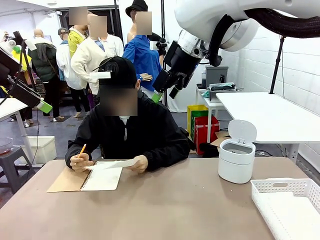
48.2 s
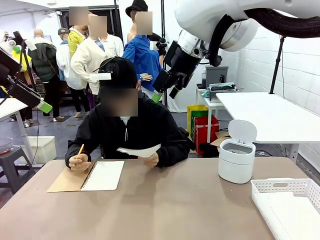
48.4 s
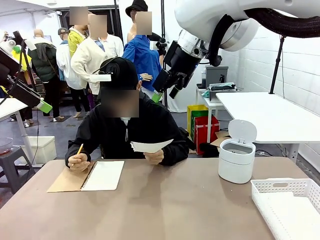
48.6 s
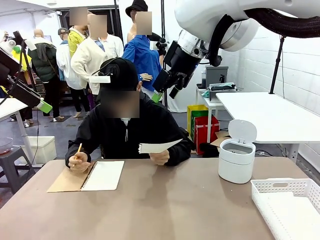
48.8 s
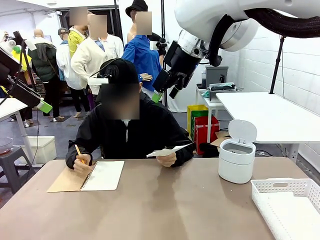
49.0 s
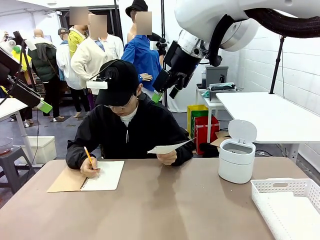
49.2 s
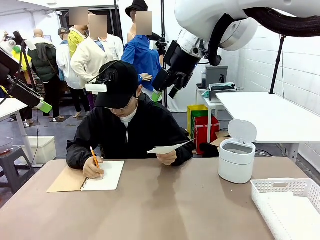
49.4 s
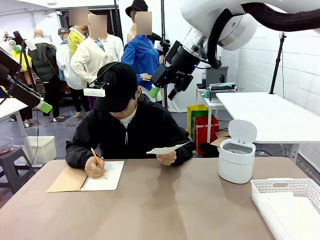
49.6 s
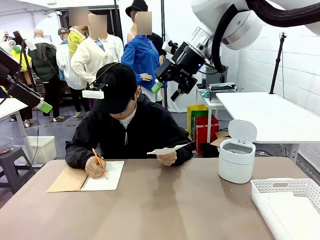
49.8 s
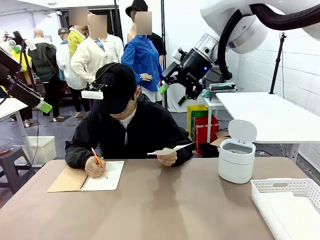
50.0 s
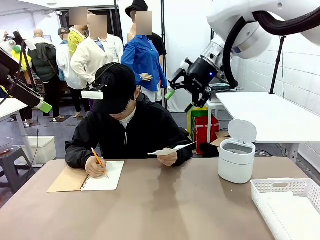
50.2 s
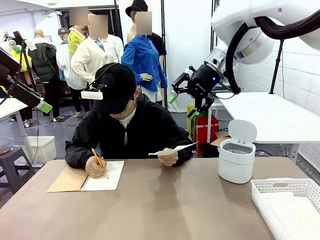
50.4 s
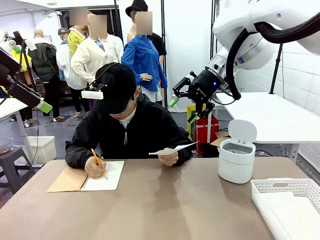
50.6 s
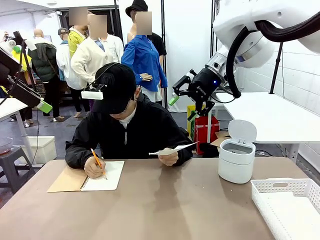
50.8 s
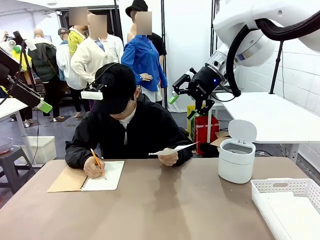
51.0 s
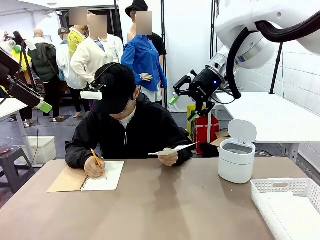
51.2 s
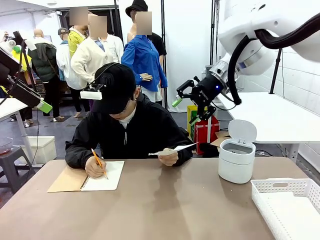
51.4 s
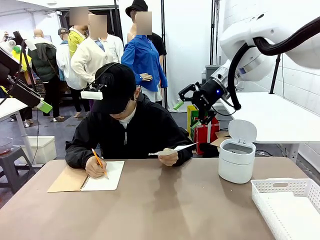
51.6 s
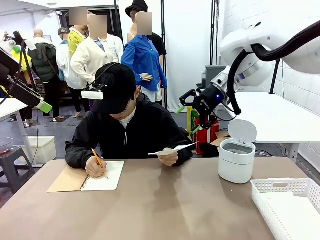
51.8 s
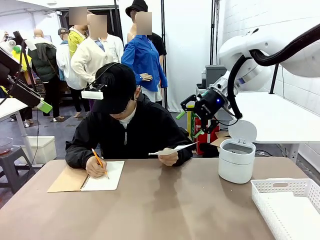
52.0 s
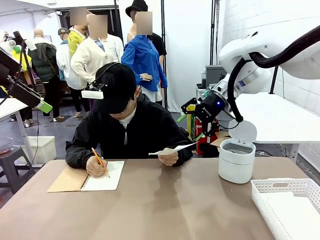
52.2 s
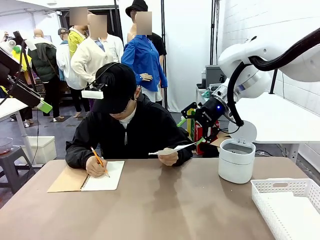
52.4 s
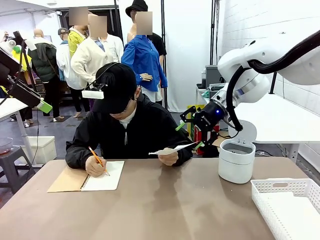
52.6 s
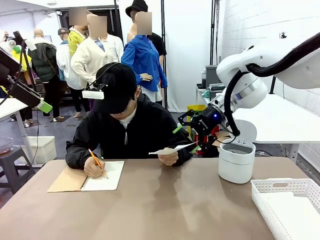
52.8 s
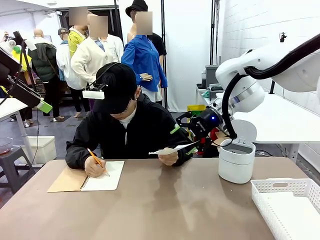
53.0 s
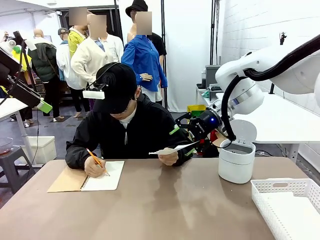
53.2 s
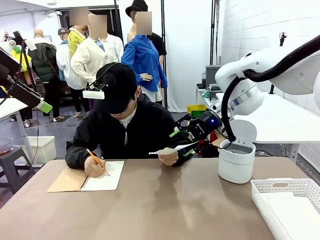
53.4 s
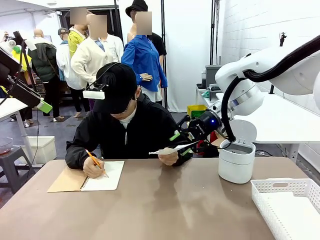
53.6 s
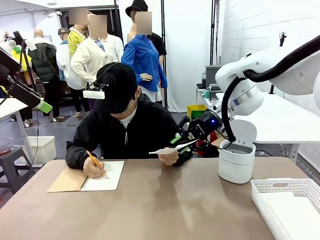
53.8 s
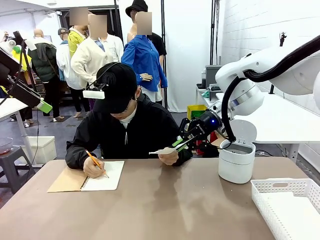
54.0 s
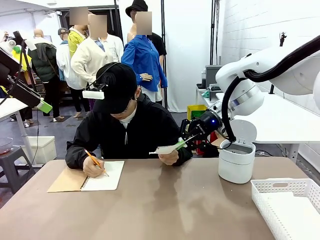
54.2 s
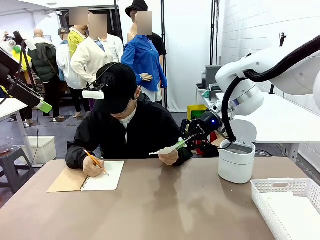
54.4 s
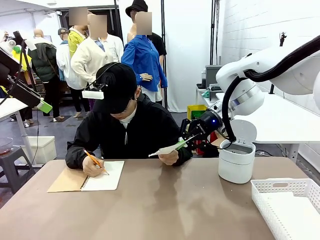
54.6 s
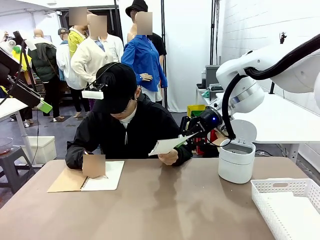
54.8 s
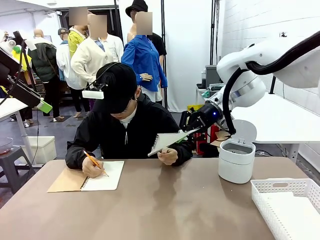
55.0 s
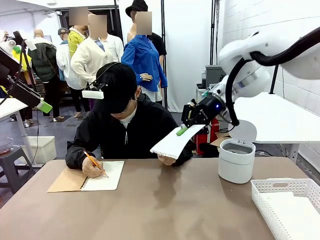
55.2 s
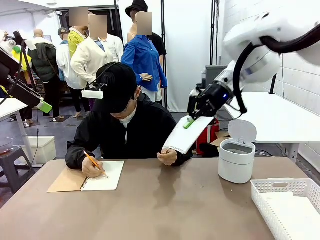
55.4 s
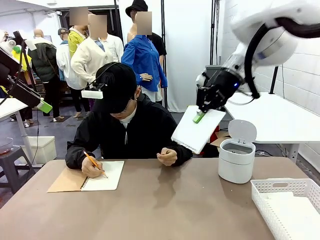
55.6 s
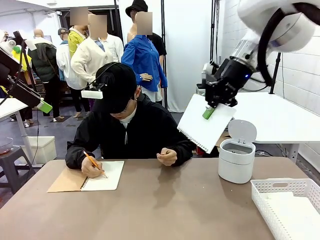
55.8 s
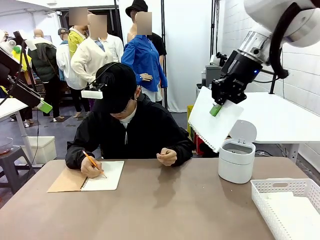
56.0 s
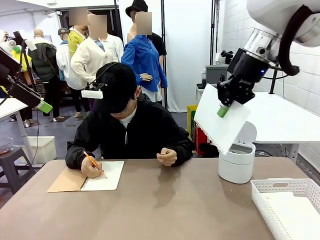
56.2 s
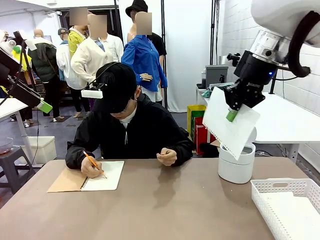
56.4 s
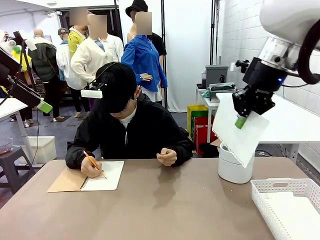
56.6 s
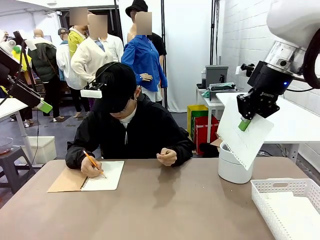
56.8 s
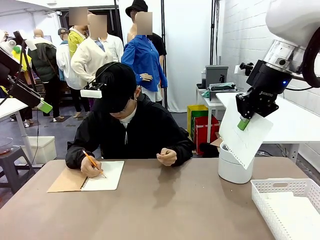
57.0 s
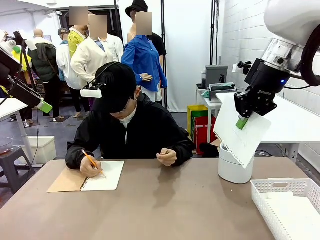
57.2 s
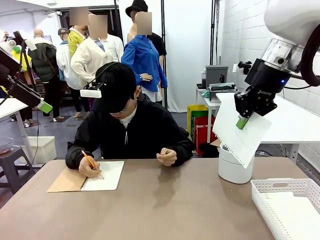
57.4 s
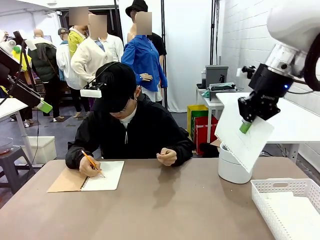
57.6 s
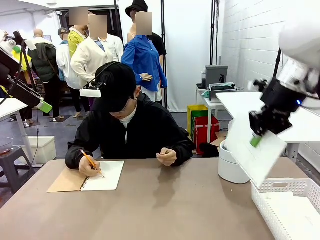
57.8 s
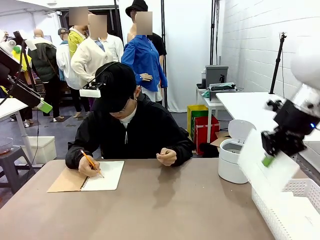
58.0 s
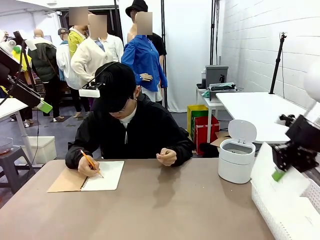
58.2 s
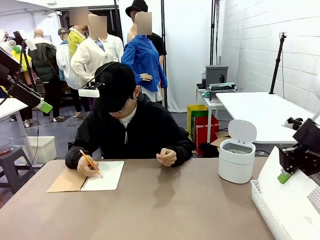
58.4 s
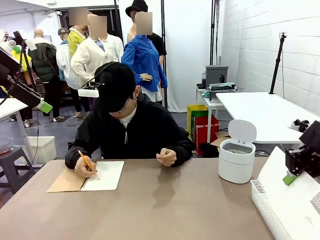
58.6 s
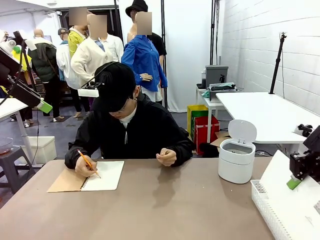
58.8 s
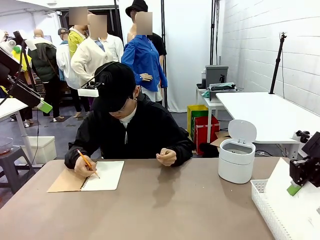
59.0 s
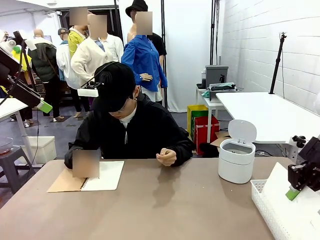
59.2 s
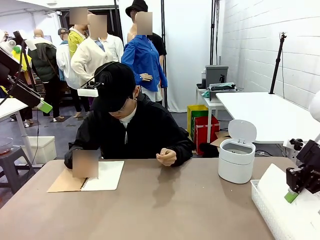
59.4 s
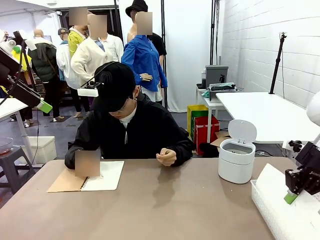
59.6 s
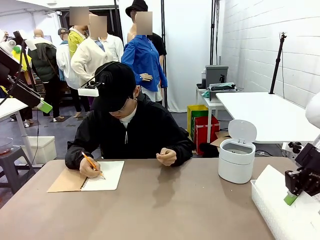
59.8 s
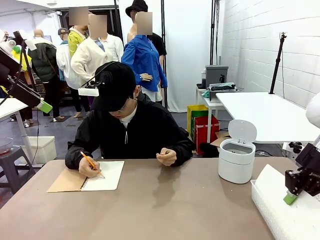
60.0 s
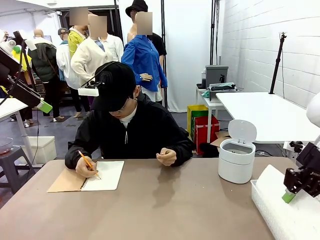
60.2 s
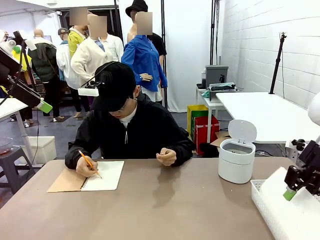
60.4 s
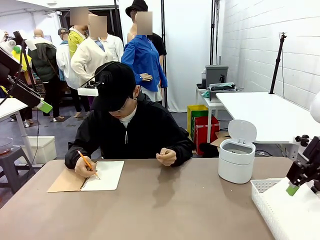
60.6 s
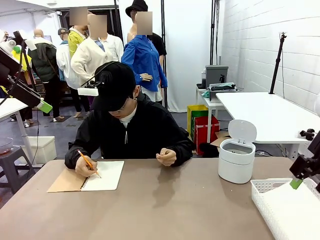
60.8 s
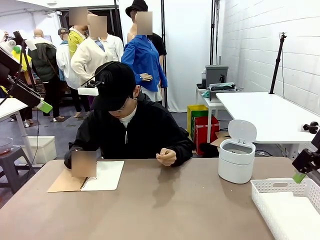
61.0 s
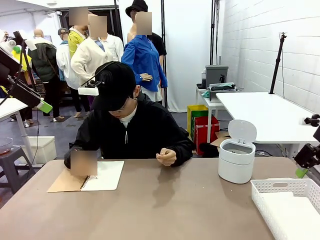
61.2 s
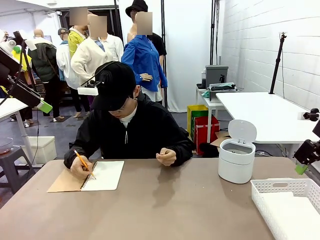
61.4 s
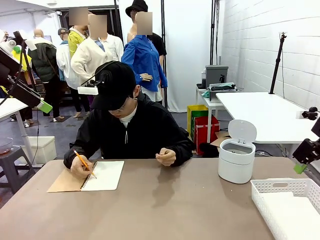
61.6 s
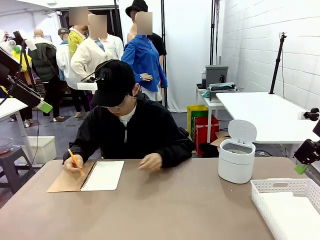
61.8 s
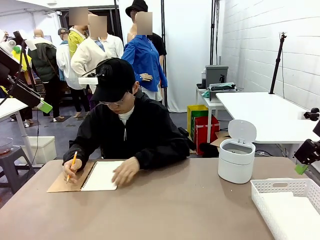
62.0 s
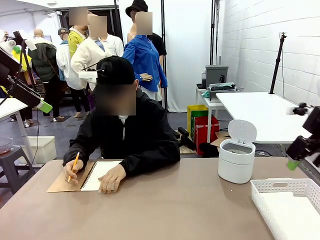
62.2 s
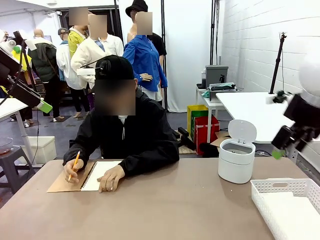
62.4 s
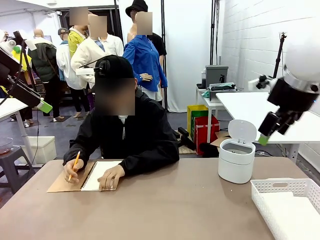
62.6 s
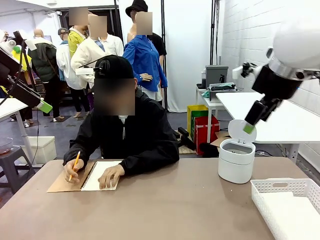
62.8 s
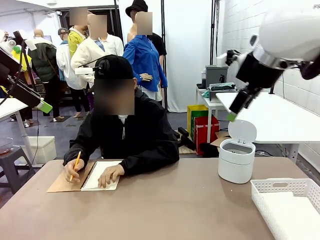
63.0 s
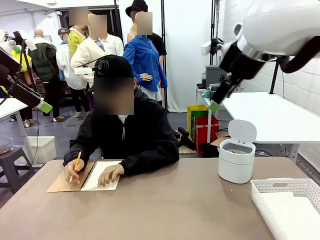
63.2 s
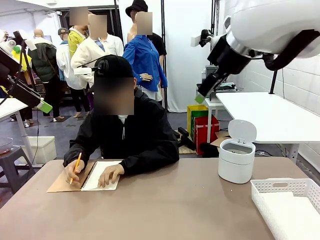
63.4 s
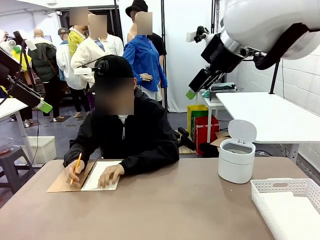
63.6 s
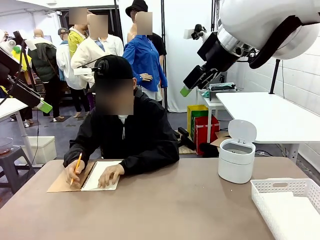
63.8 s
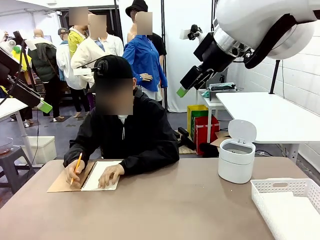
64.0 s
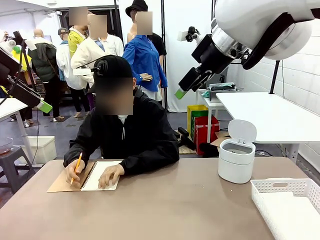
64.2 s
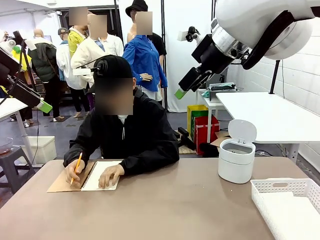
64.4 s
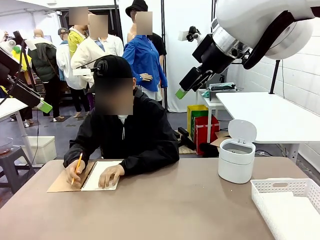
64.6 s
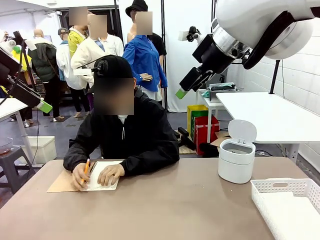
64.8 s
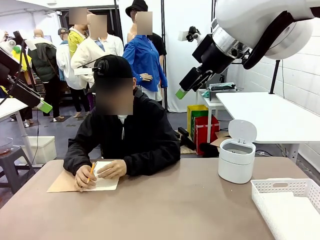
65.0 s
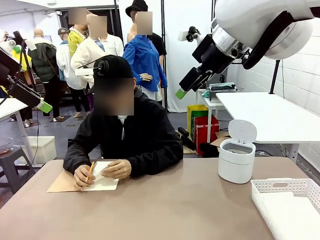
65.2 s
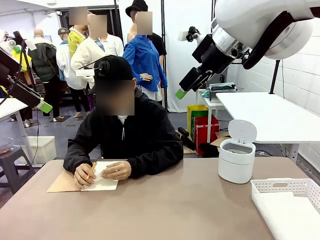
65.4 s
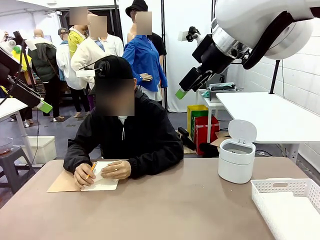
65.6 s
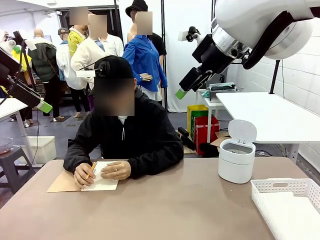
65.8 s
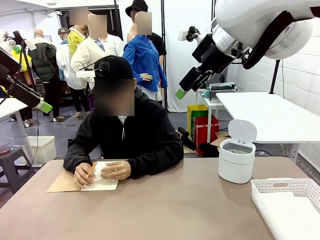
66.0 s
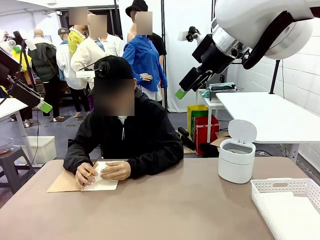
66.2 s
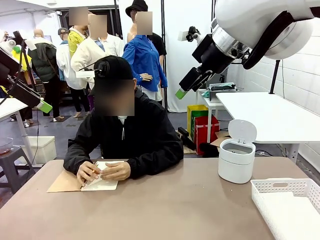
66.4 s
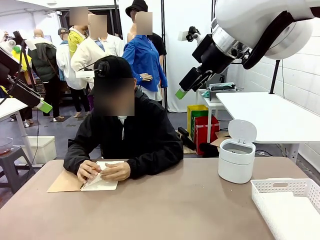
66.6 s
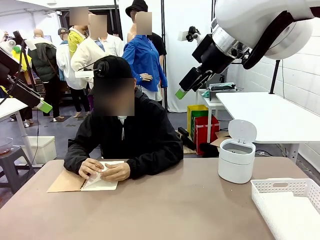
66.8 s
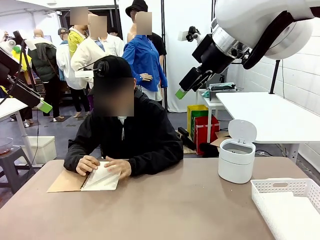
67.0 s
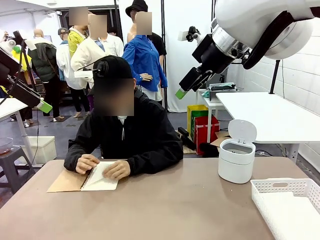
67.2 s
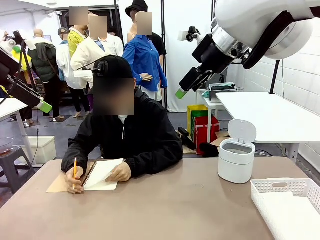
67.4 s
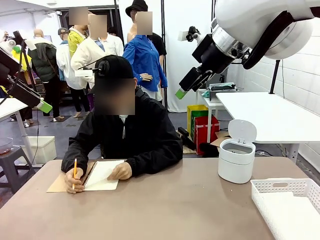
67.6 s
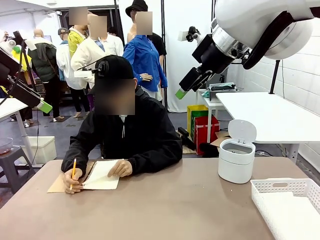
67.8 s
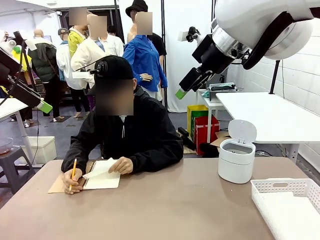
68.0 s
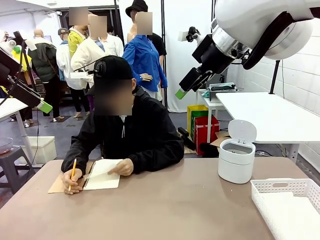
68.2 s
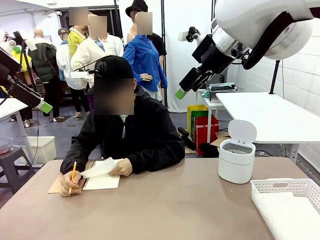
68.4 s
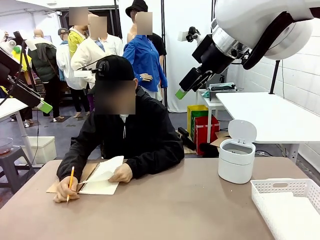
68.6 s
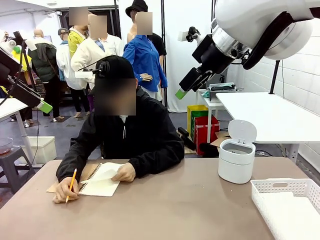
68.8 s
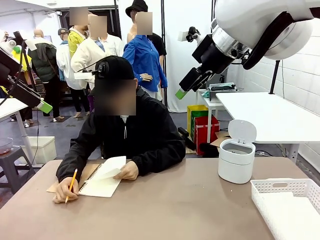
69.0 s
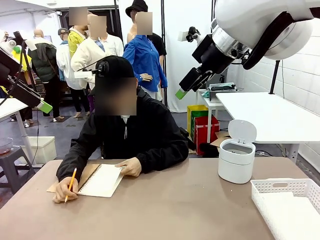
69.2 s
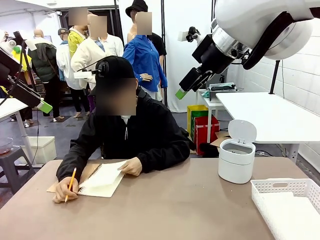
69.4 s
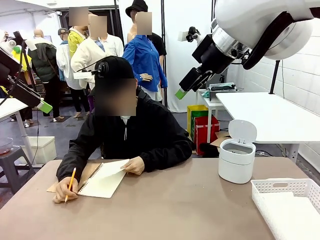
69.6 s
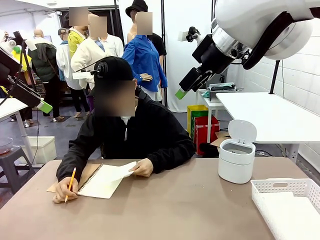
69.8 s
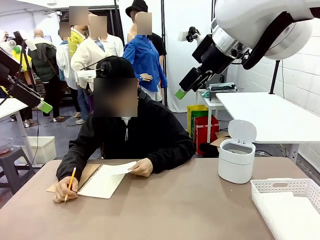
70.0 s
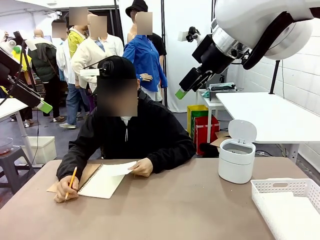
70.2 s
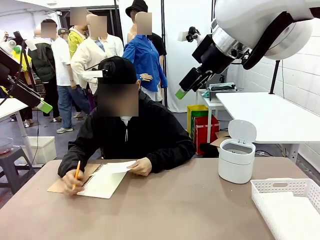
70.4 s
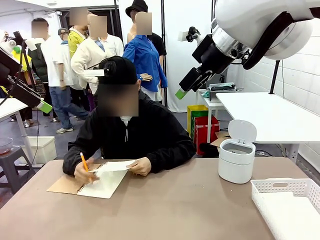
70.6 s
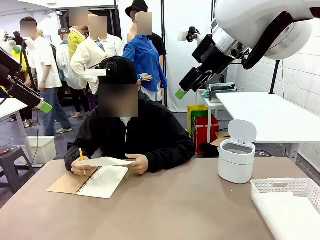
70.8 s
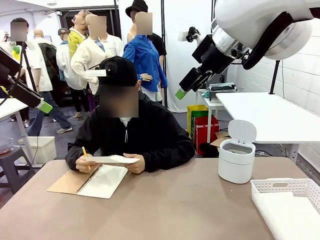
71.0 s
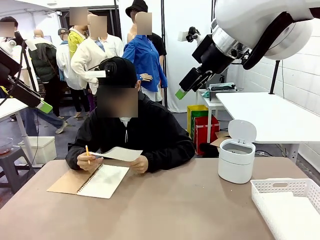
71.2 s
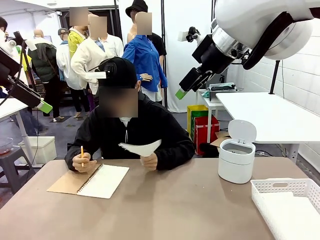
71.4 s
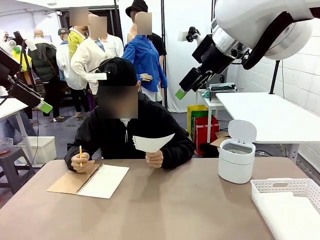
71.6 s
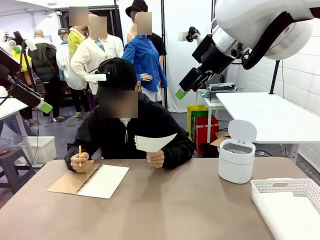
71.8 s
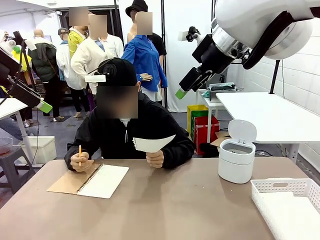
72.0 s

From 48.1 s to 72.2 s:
Task: Sort the paper based on its condition.
Robot: If a person hands you a paper, place it in the Organizing basket , and if it's crumpled, put it in the Trash can.
Person: Tear out a page from the spiral notebook.
